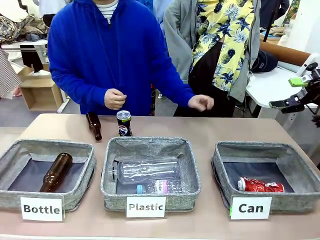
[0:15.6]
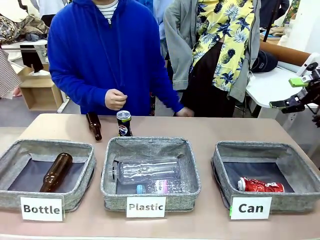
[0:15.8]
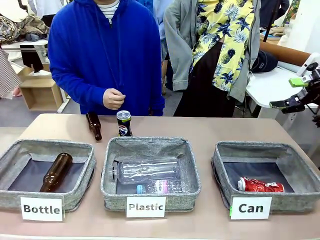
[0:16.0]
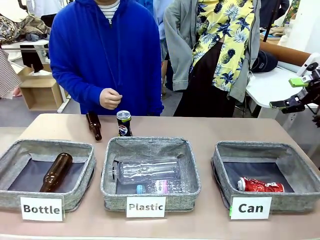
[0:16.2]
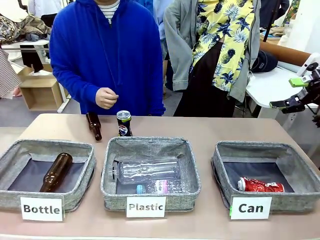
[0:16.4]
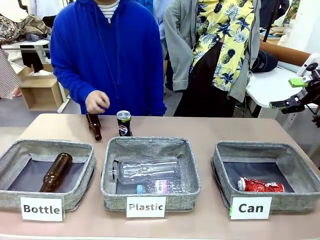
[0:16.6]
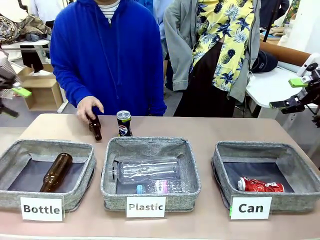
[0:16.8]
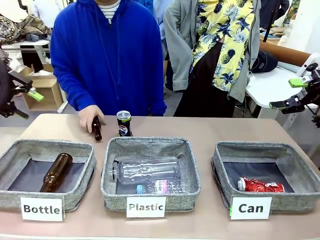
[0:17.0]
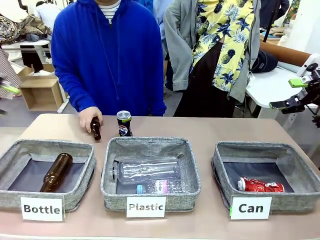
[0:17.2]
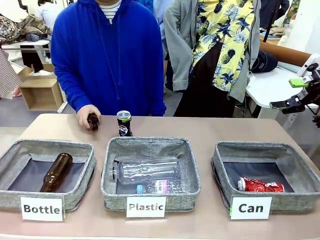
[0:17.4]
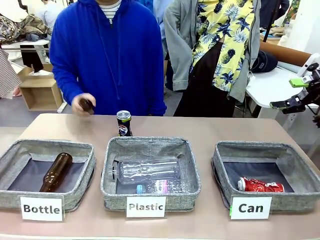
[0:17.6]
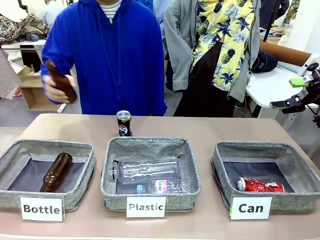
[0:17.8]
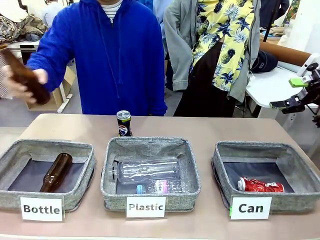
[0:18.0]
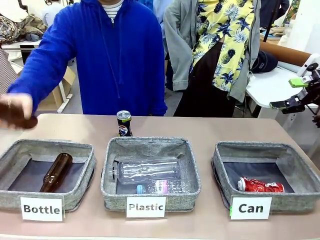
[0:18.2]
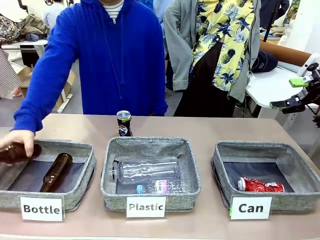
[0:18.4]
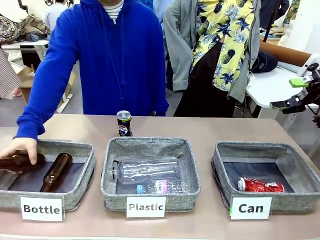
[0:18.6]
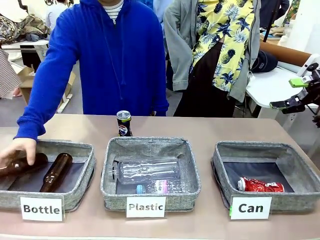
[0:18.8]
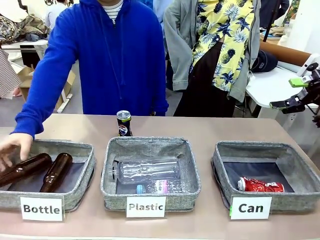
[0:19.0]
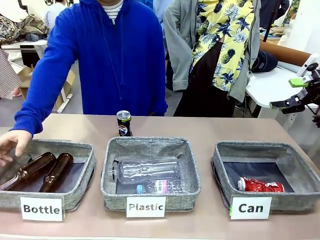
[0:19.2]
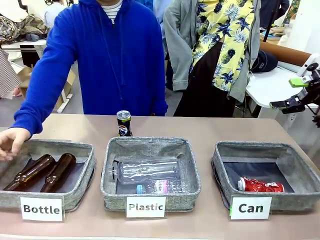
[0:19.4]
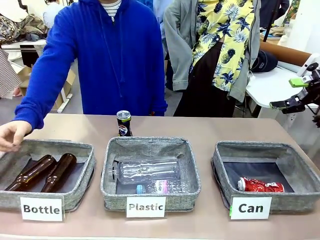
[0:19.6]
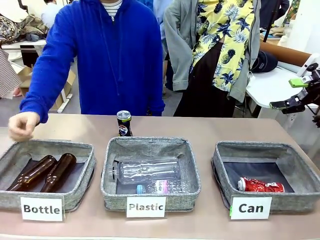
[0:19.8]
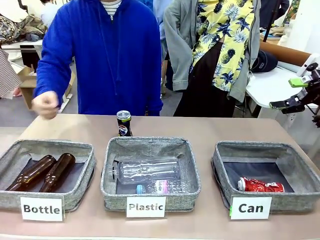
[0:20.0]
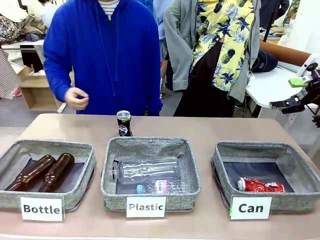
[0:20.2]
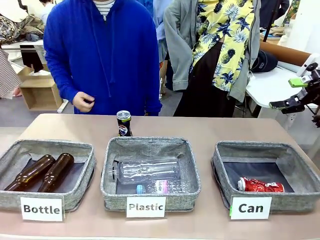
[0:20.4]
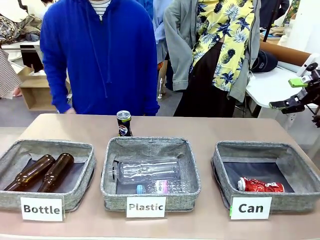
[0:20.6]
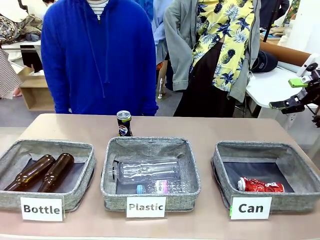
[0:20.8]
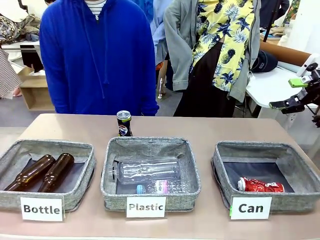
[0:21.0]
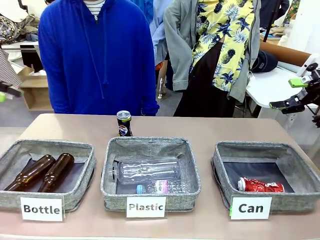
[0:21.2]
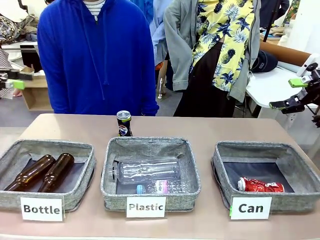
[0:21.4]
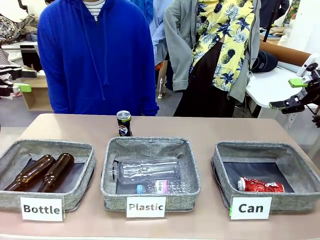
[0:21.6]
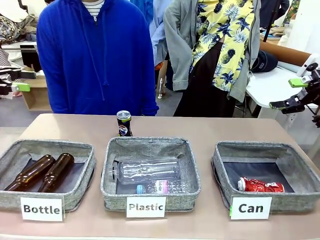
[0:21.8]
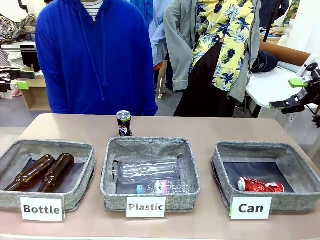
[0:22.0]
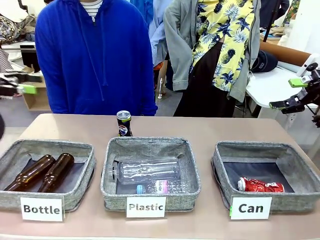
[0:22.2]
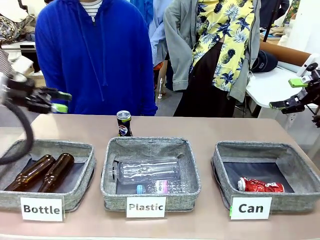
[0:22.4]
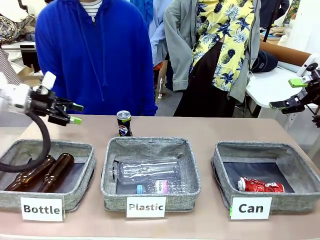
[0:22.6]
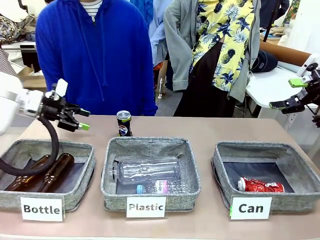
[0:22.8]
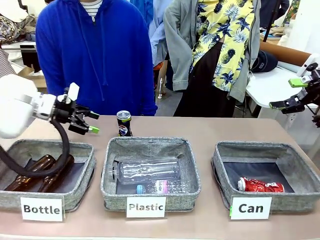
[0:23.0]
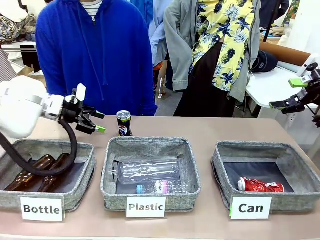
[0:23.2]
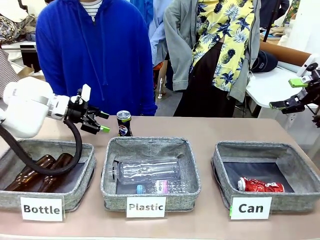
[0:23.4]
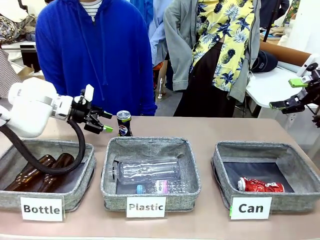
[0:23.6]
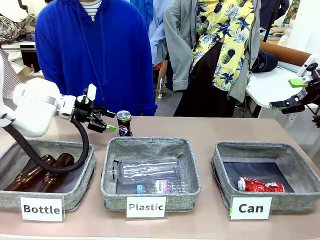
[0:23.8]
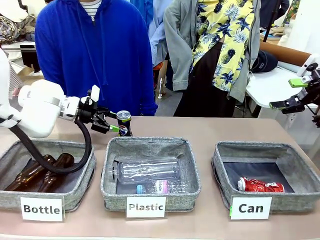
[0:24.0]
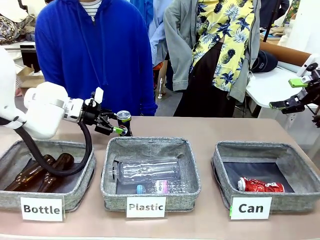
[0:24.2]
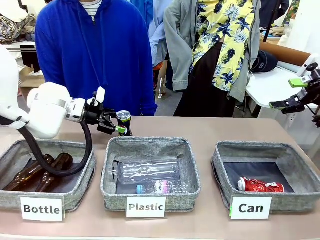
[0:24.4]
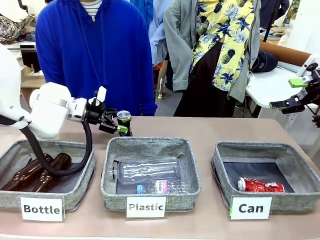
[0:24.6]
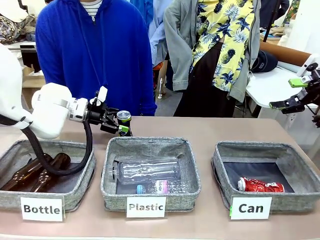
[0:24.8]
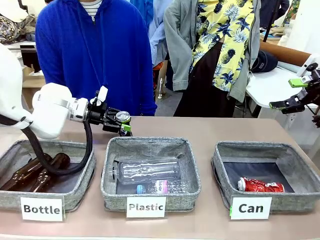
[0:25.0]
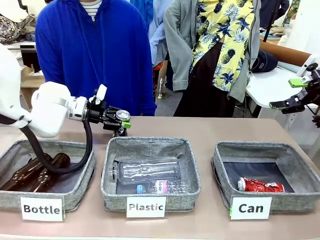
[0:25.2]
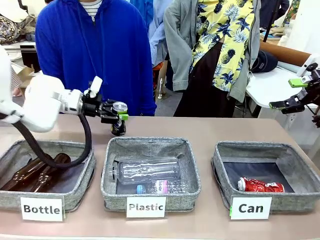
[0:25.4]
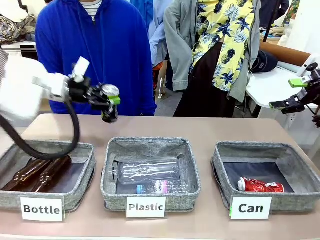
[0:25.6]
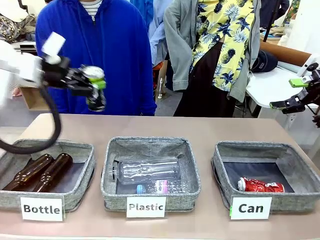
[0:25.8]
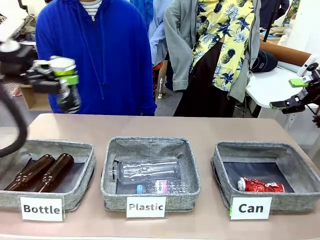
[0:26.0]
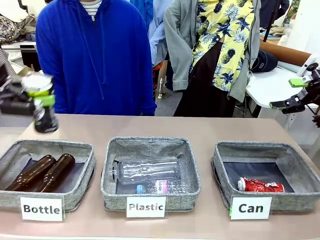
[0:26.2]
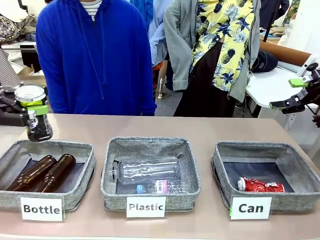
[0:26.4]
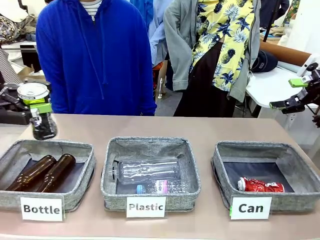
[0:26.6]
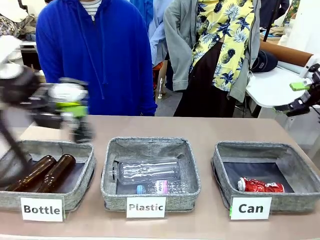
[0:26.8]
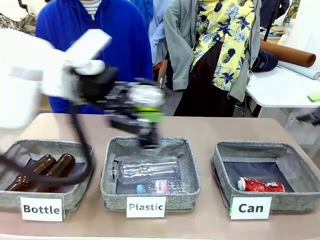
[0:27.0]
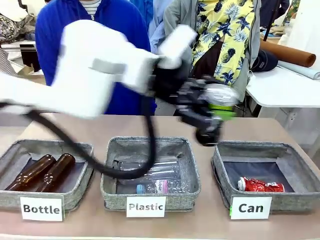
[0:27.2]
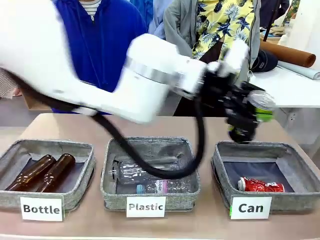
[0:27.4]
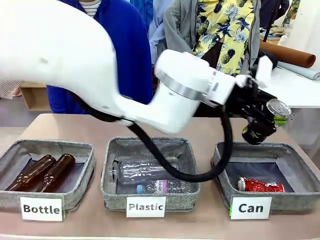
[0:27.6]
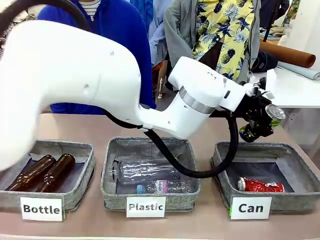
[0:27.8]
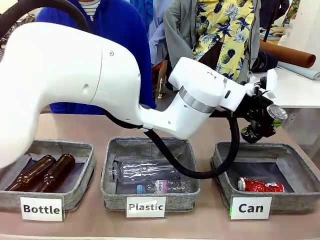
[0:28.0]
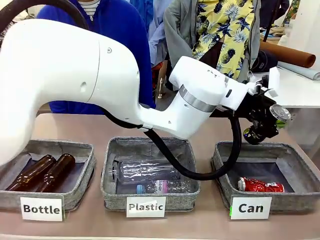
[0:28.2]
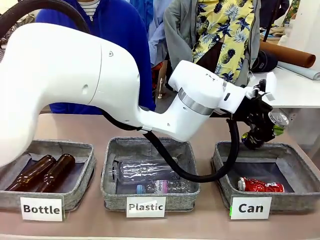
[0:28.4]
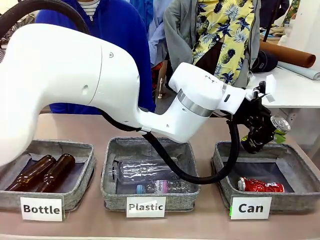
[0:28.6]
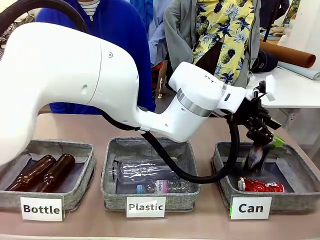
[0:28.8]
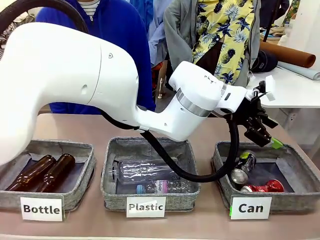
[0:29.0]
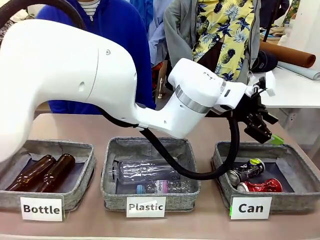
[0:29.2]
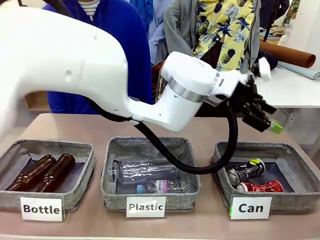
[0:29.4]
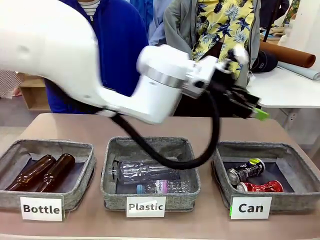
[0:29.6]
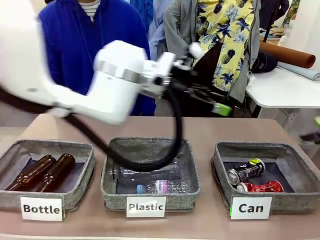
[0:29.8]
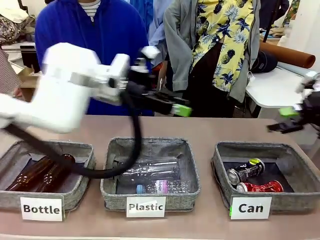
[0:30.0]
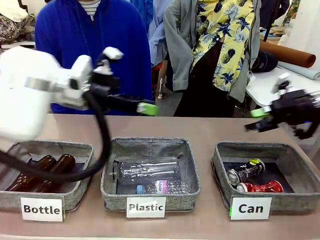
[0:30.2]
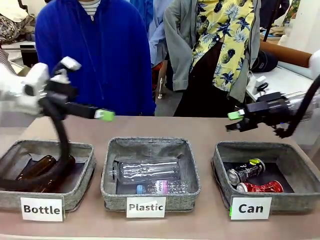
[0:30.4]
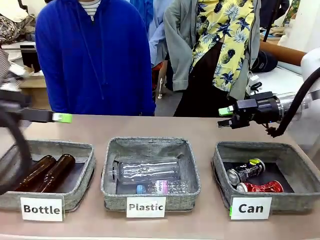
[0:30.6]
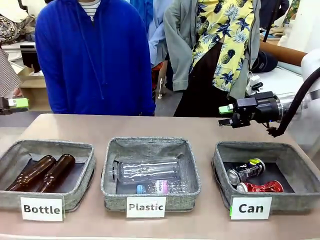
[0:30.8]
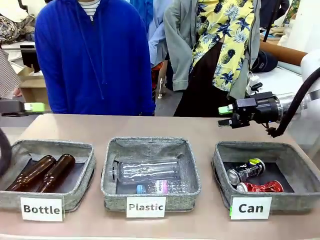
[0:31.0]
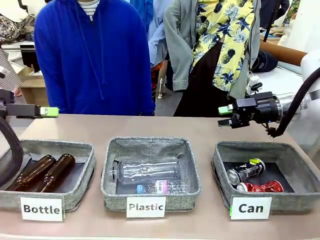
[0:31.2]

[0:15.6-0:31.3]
Task: Sort the can waste into the basket.
Robot: Pick up the can waste from the table and place it in the right Fabric basket.
Person: The human picks up one piece of trash that is not a can and places the trash into the appropriate organizing basket.
